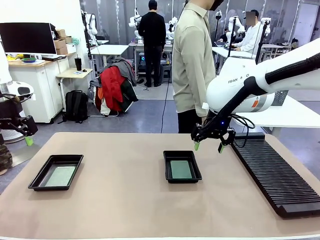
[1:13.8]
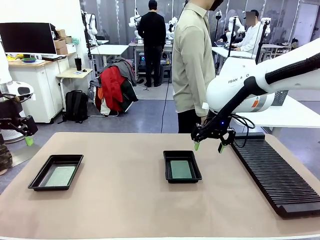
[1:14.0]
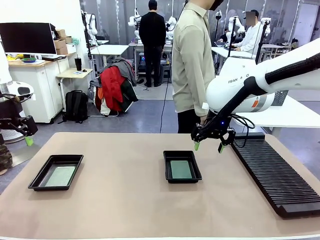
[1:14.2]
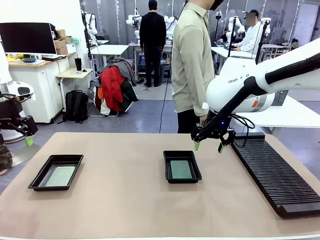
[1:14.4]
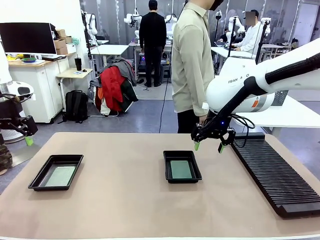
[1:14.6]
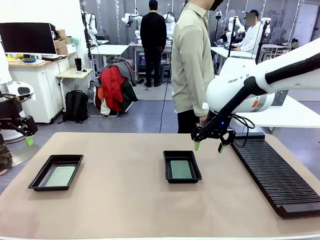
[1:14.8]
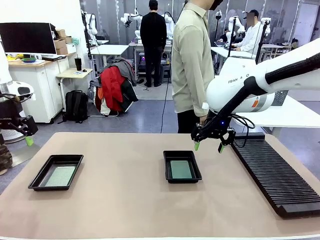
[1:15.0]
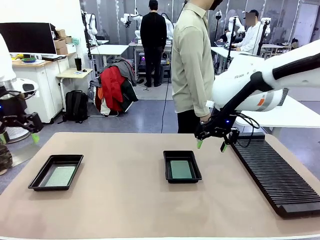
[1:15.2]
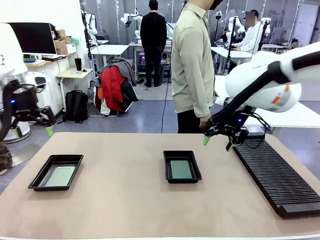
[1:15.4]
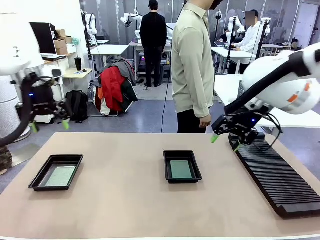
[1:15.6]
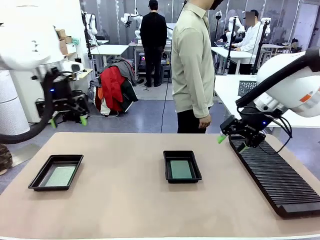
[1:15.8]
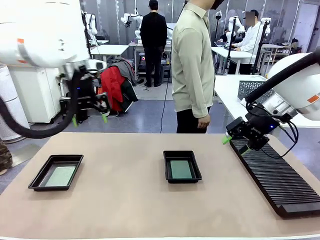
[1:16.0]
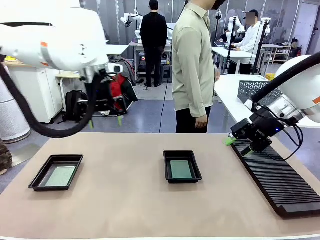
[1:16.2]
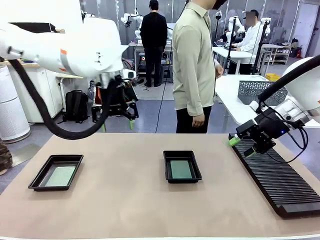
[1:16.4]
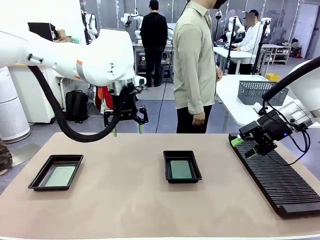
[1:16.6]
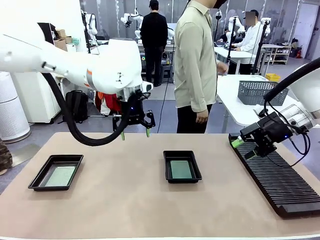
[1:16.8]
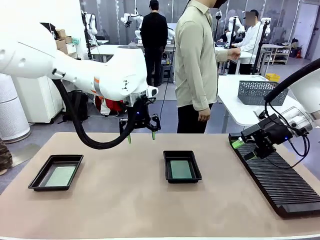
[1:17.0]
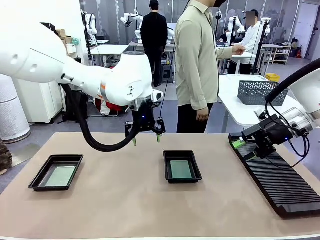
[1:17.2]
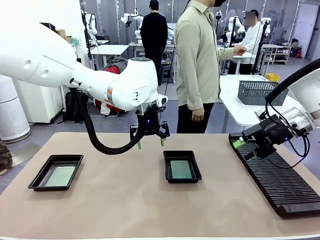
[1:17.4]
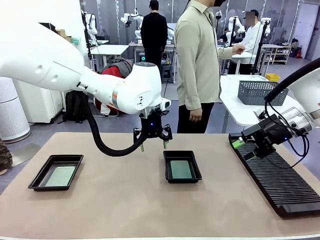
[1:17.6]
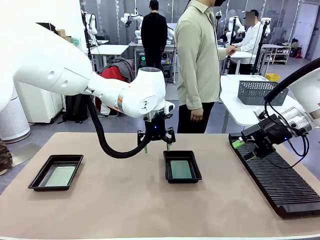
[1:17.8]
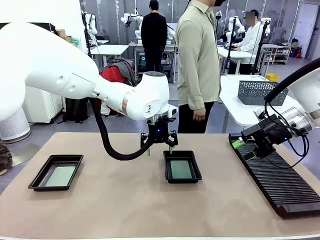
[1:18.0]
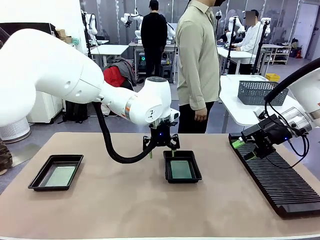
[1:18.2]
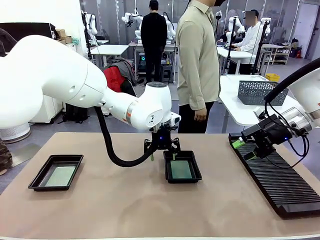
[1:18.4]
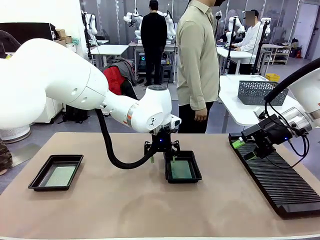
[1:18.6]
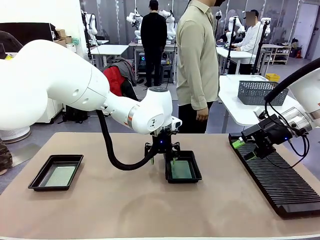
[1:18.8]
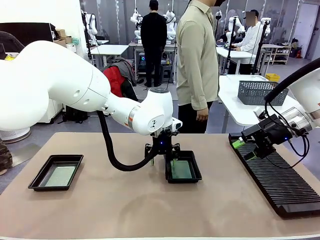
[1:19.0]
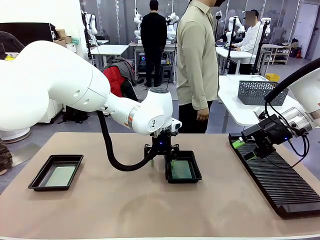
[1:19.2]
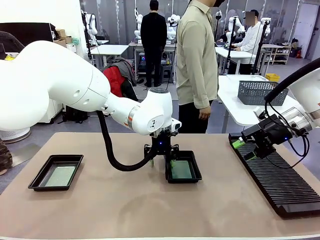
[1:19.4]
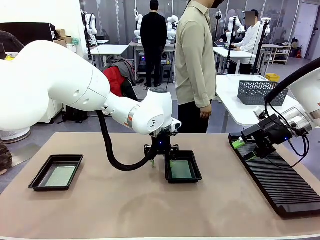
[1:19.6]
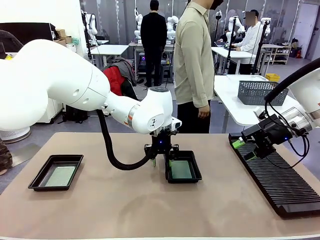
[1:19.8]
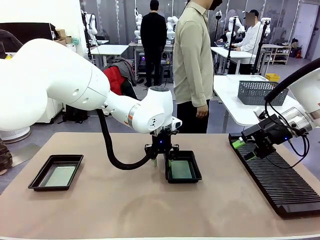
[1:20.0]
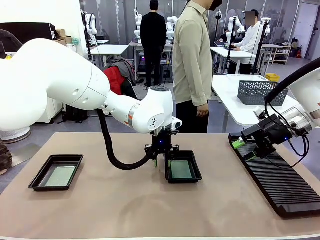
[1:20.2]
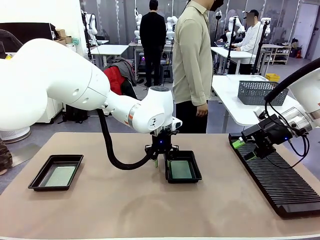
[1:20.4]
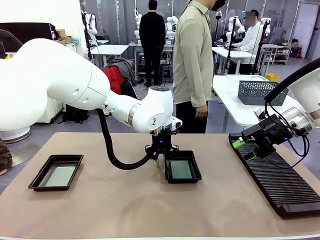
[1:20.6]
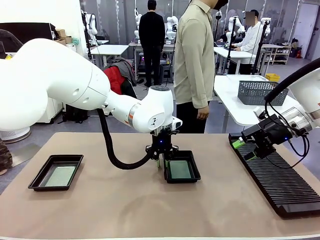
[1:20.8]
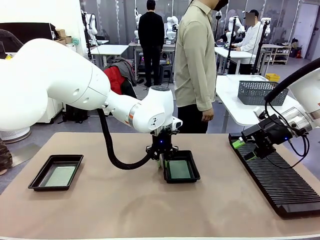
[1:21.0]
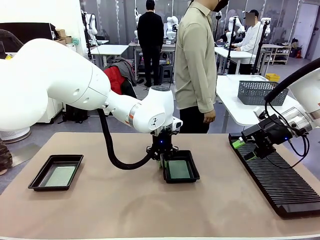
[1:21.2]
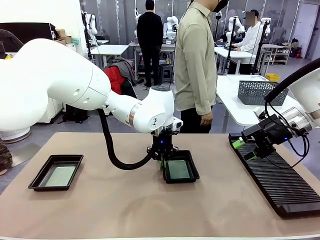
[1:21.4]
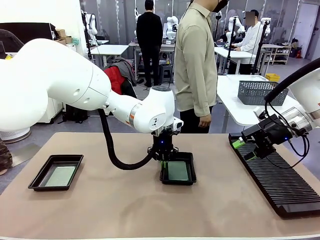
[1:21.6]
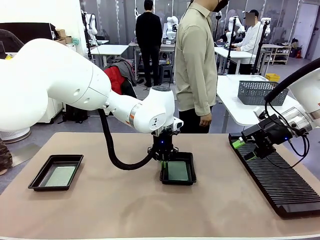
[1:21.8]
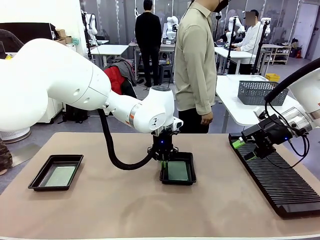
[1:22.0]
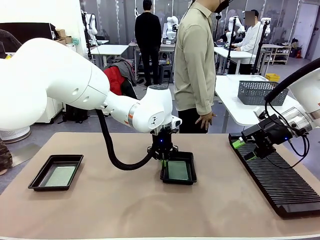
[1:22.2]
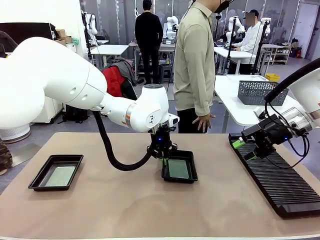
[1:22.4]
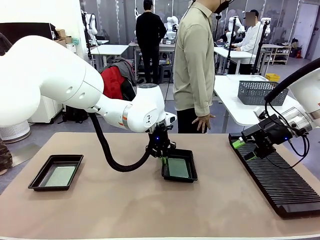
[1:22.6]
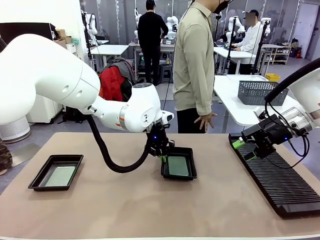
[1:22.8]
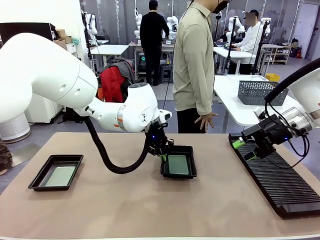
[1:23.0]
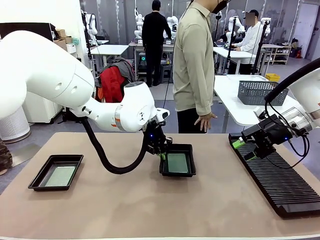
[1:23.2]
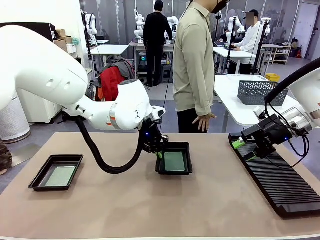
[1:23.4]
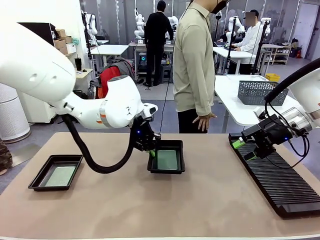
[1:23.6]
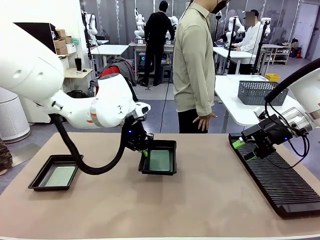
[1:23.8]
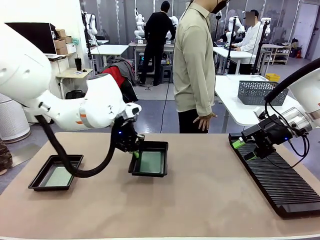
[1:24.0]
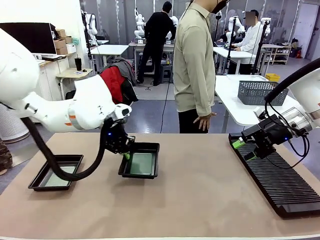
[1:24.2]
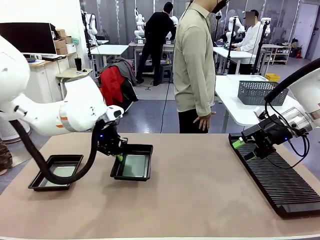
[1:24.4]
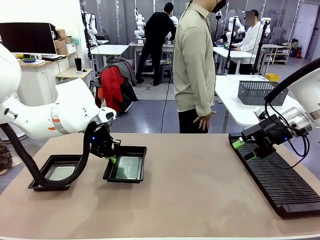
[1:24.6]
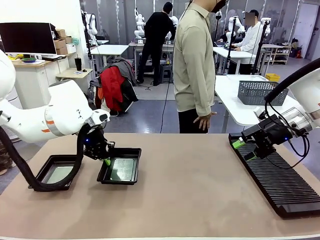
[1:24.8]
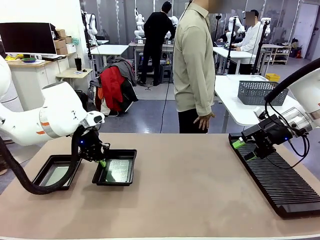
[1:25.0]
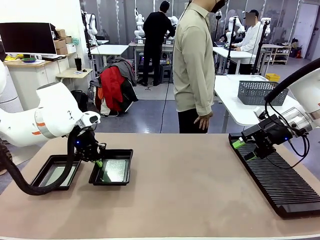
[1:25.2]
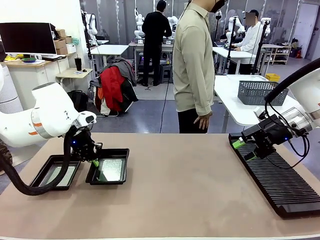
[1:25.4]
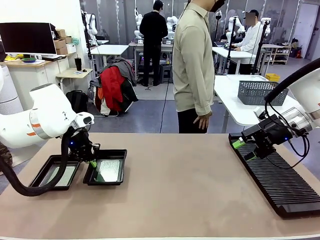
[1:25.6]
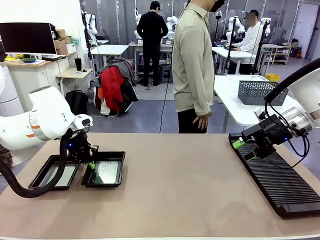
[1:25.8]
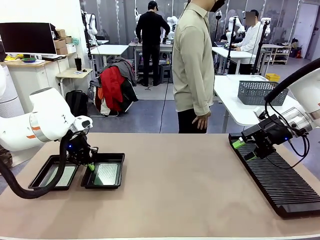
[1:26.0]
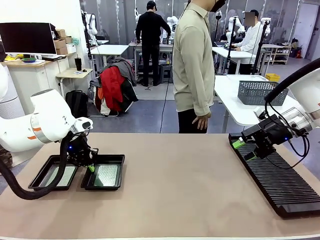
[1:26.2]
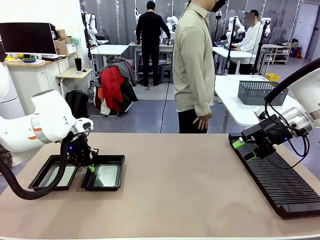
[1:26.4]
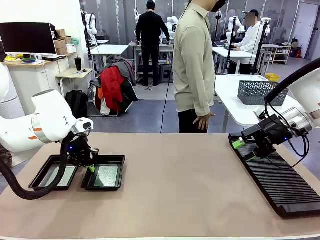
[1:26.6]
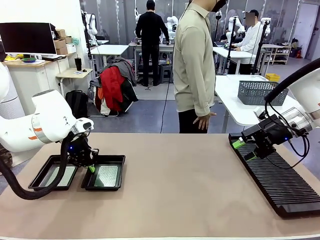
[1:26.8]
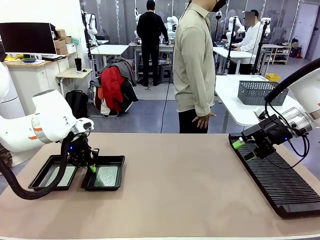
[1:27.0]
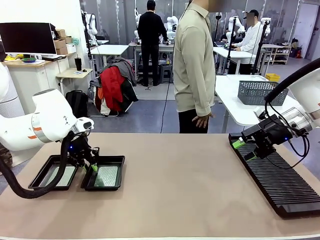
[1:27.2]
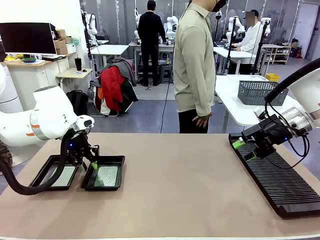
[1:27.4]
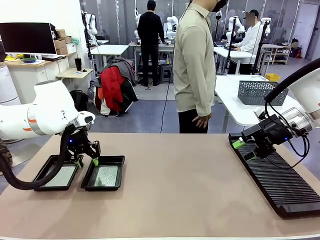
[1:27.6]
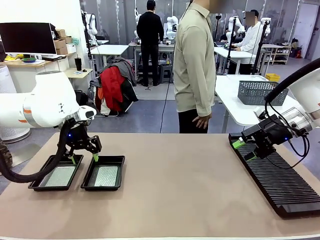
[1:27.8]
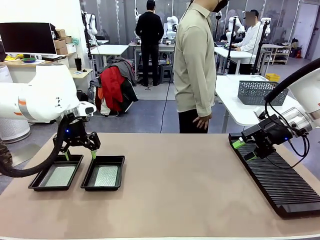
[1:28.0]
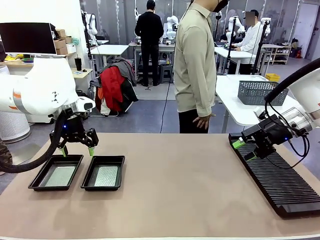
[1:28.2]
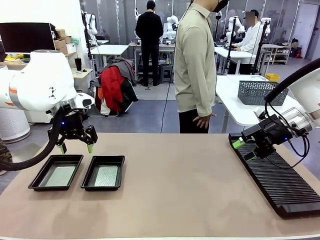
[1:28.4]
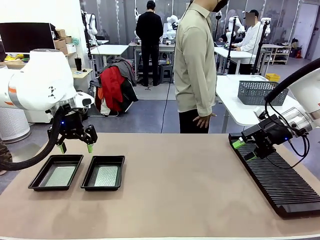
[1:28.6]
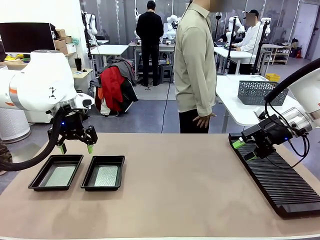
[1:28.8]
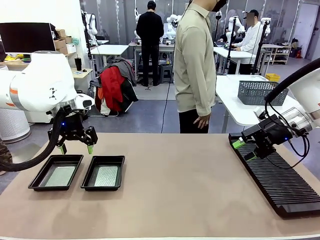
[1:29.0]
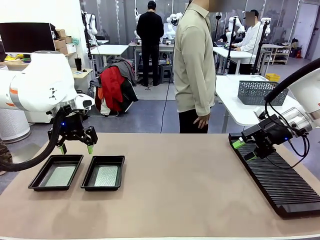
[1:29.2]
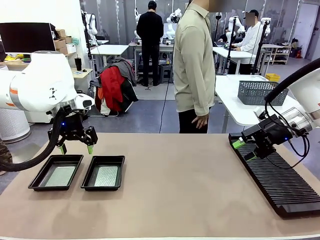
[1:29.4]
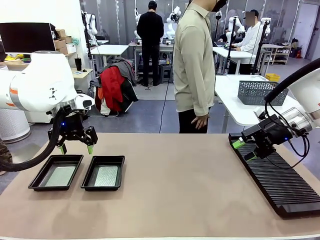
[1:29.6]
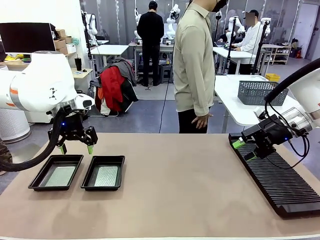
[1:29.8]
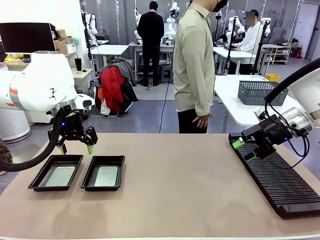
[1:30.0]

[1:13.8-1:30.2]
Task: Inspect and transfer BCBs to ESD trays.
Robot: Pick up the ESD tray and place it on the left side of the table.
